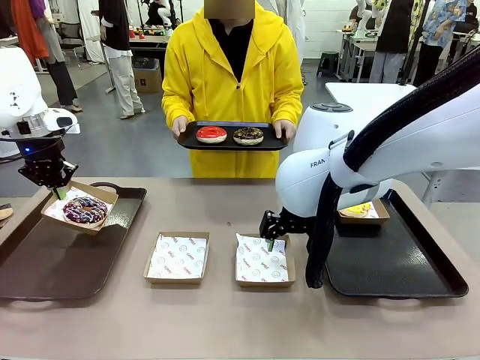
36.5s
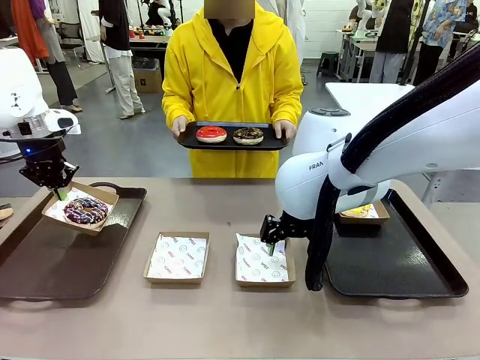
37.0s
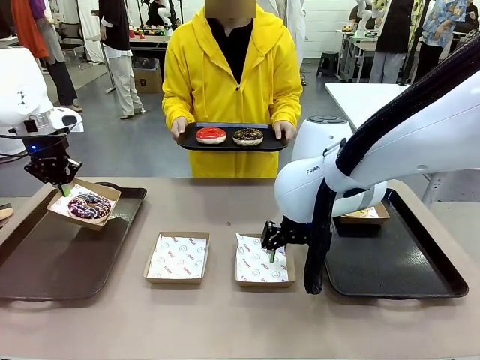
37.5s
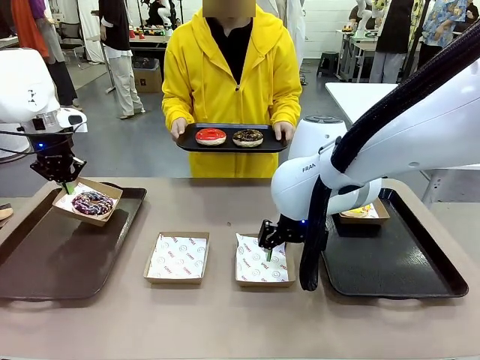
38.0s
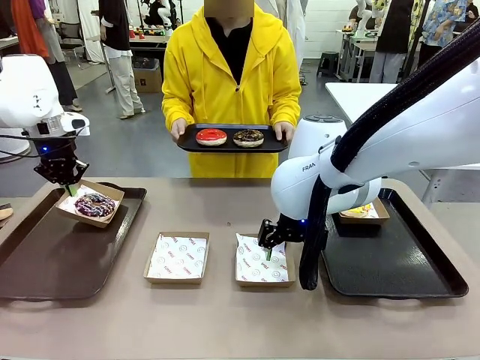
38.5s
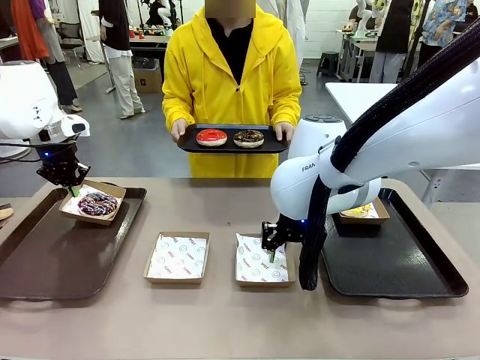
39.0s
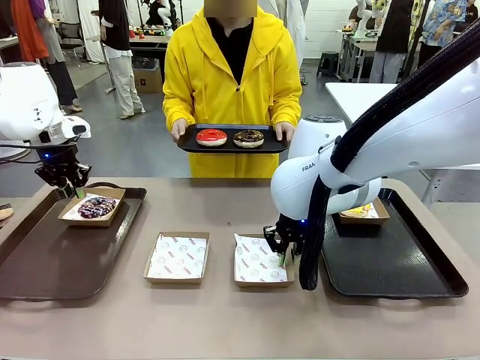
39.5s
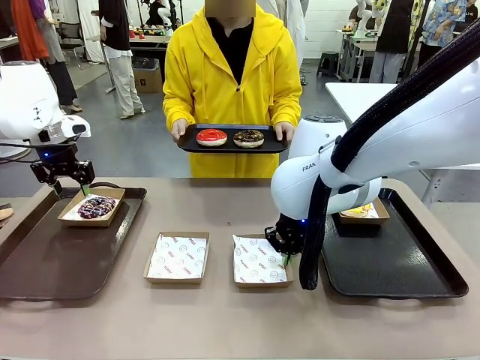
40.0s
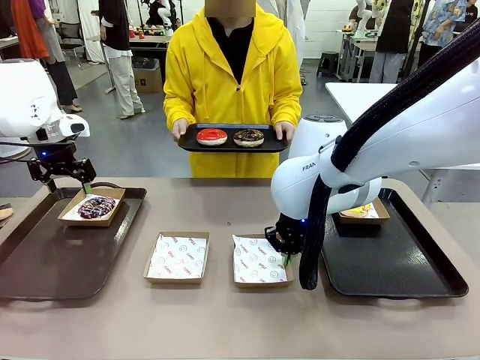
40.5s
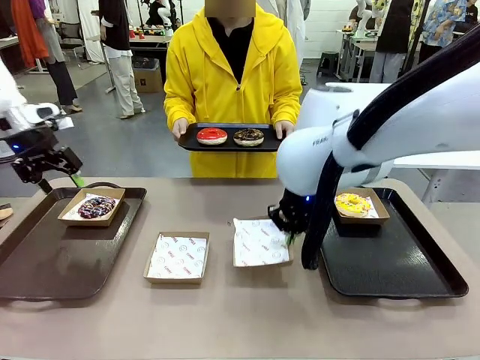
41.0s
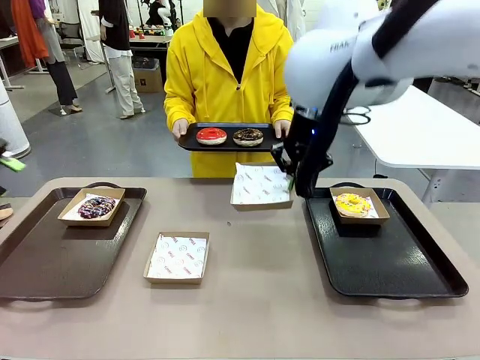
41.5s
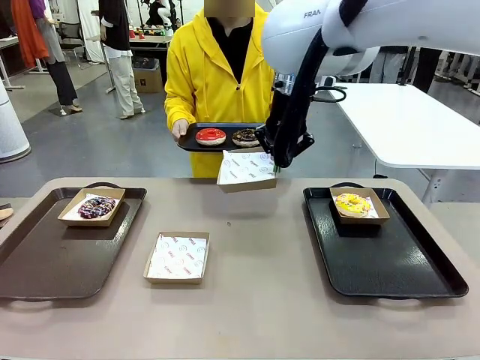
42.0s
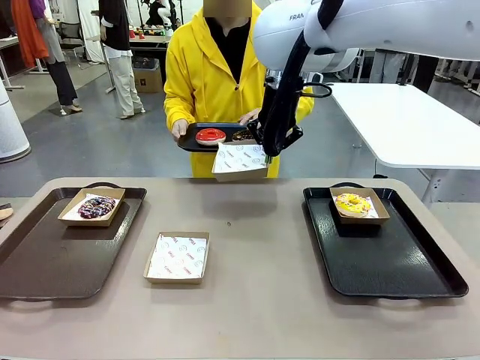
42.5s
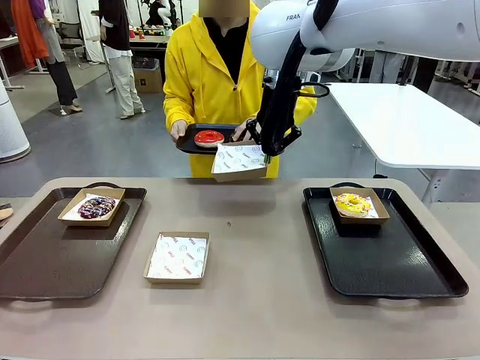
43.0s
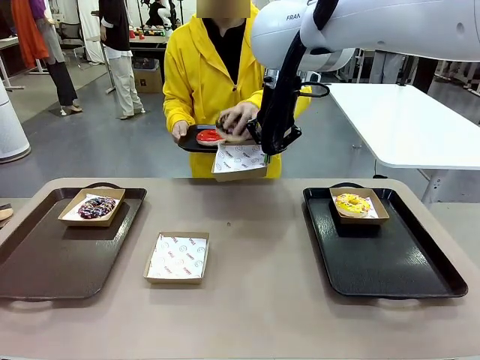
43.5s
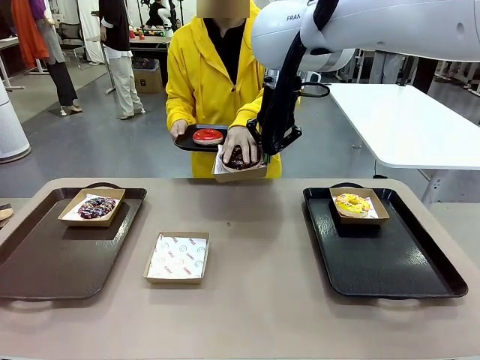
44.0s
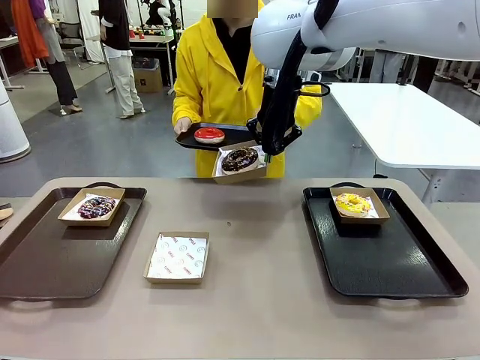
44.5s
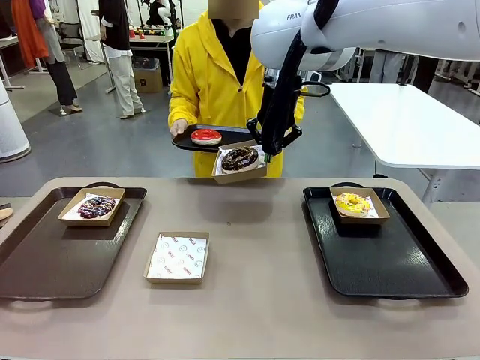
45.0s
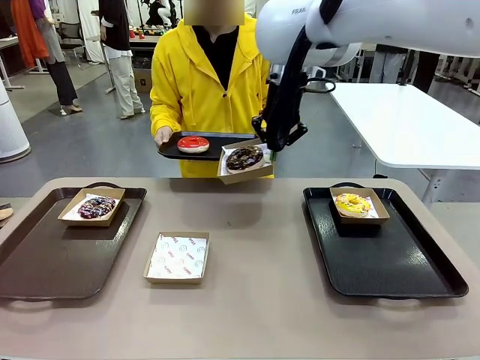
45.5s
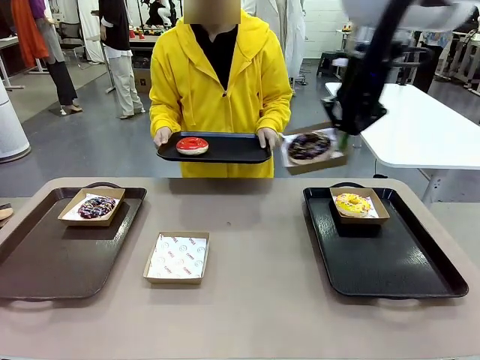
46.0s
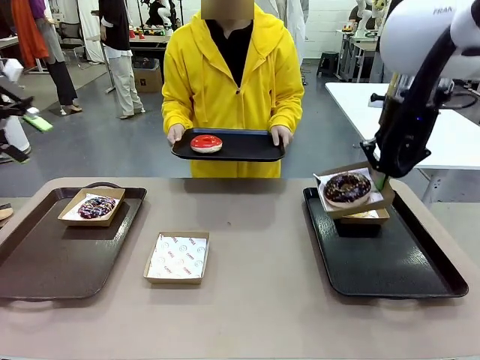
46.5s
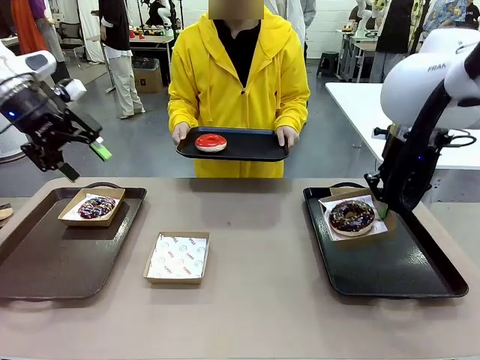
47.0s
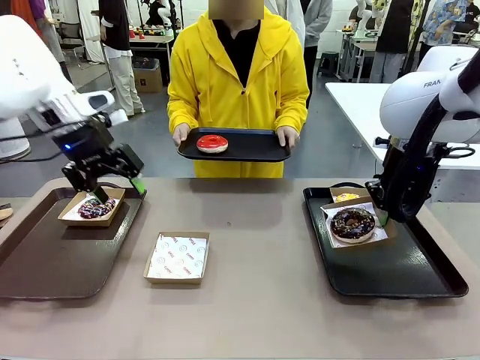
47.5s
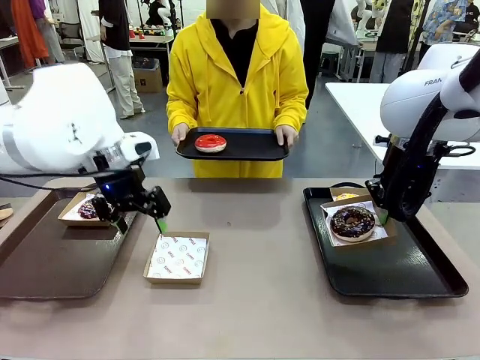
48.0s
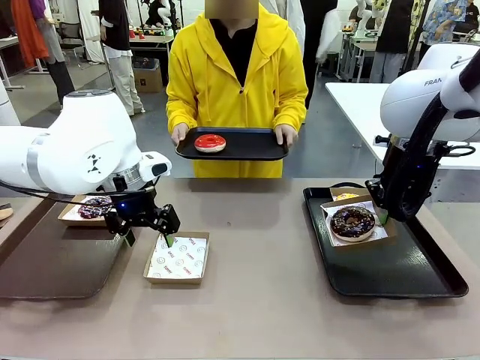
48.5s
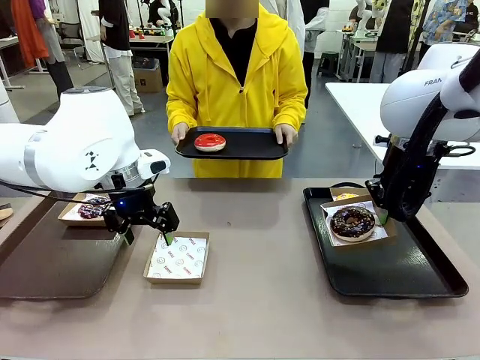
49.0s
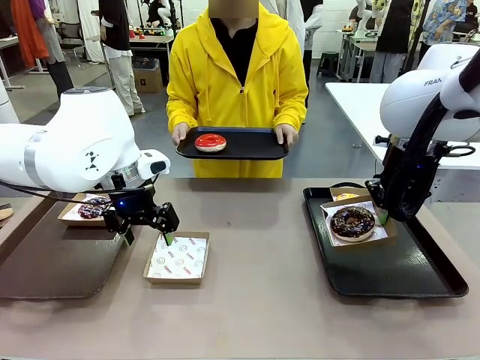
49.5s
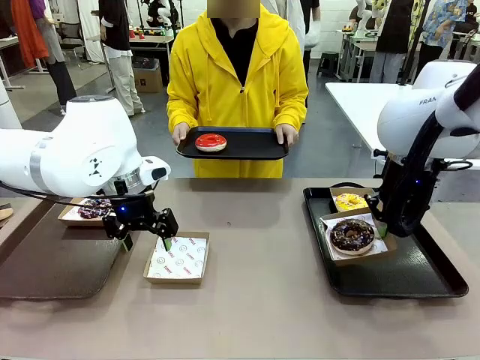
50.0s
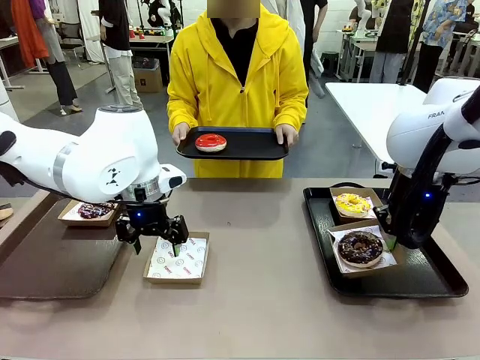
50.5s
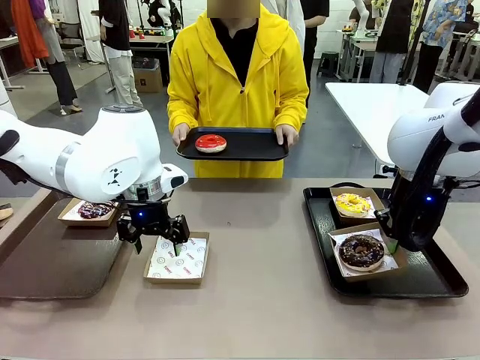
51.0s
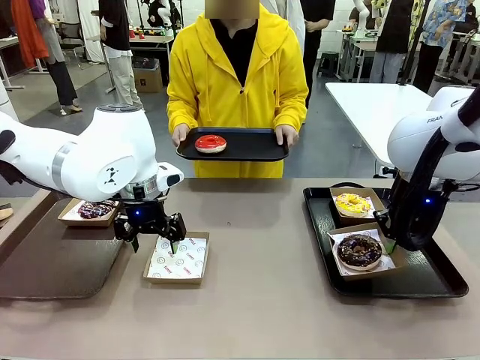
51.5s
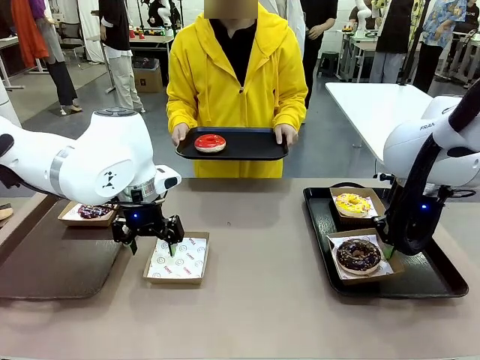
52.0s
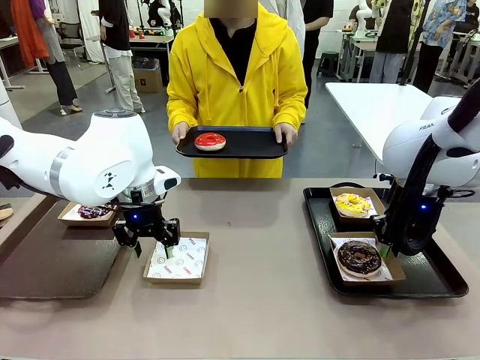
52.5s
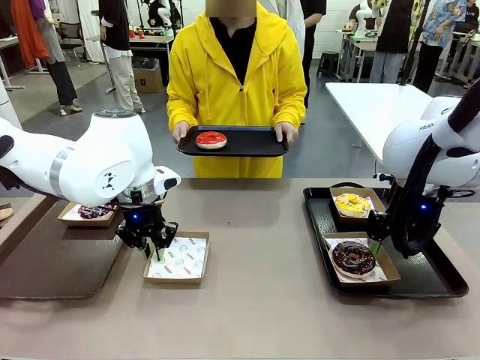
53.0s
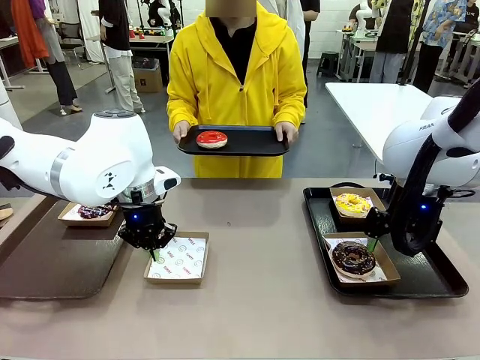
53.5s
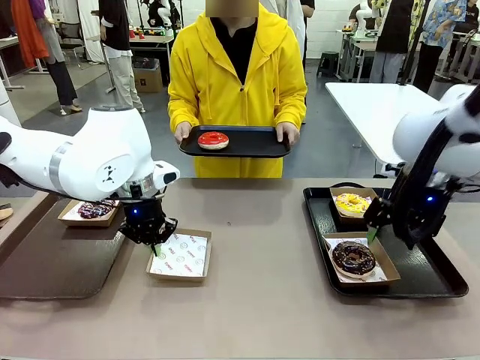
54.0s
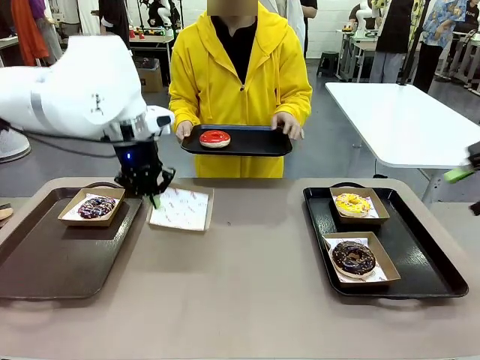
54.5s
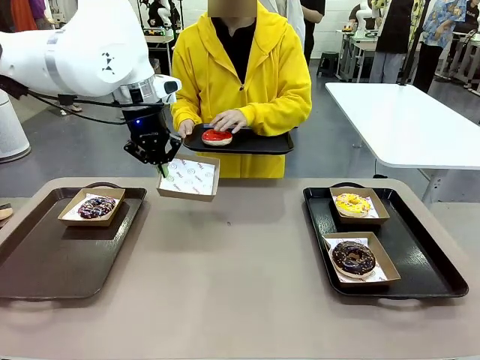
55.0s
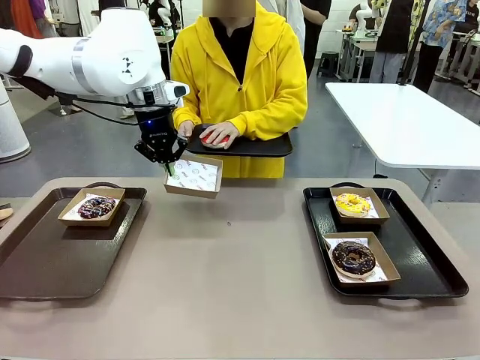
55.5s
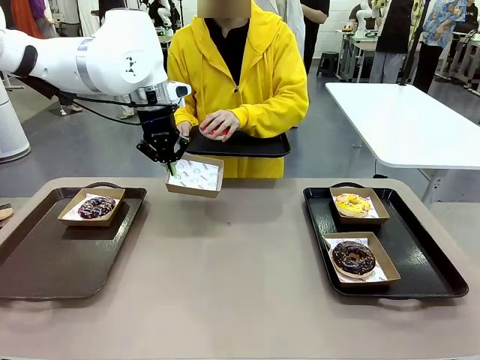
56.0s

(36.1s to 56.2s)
Task: Individually package the donuts and arrange them on the tray.
Robot: Place the picked Paper togo box on the Handle tray while simultaneously picking up another Paper togo box from the table with the other hand.

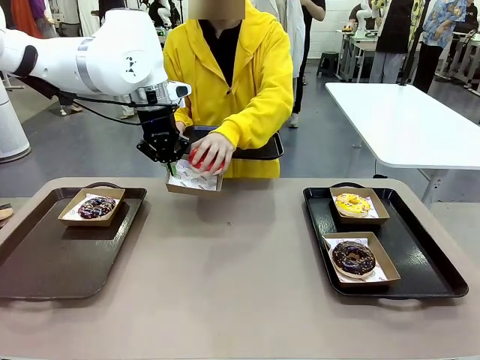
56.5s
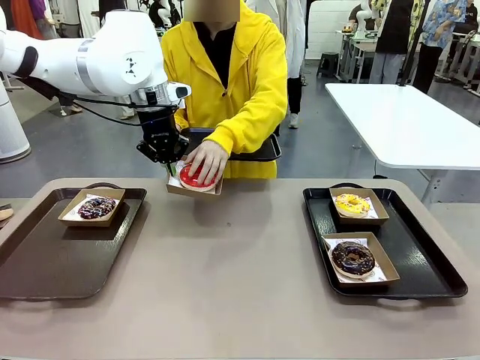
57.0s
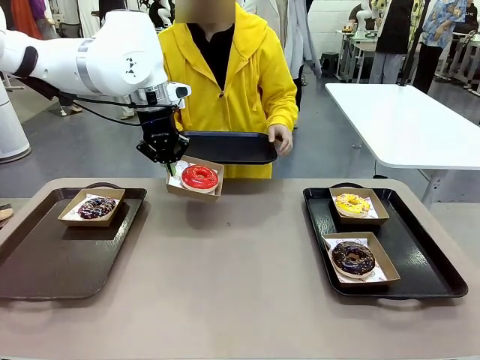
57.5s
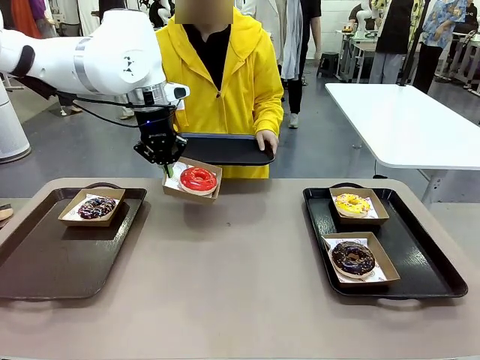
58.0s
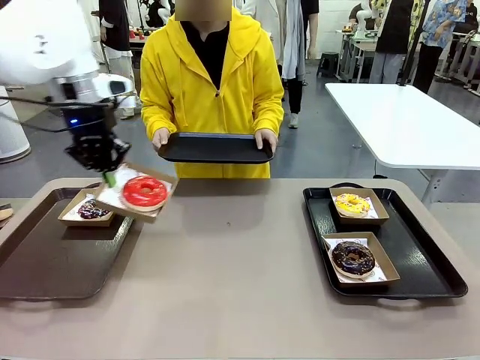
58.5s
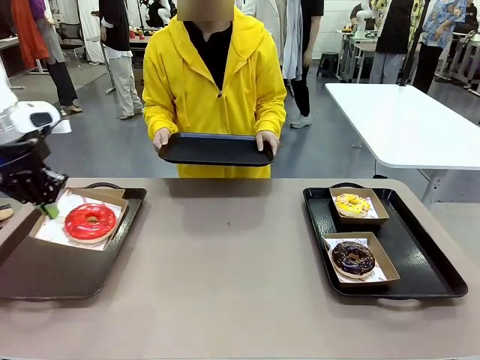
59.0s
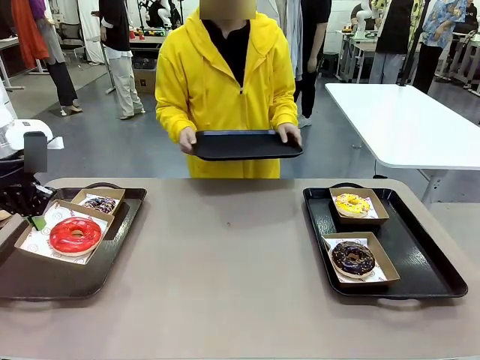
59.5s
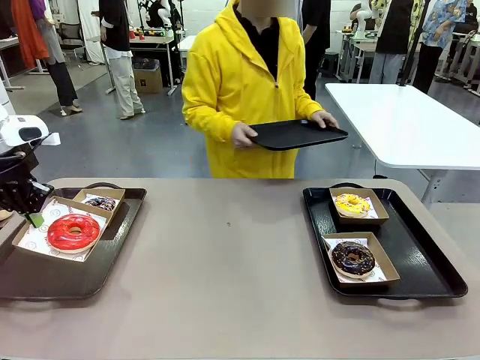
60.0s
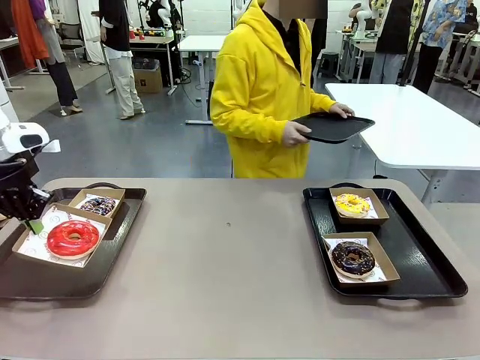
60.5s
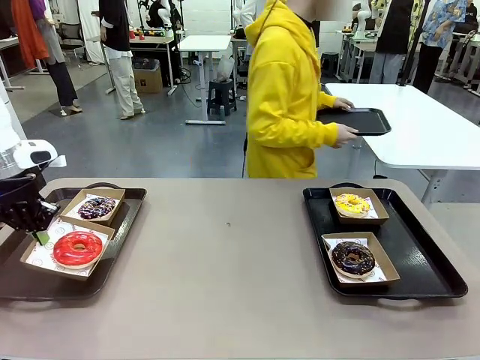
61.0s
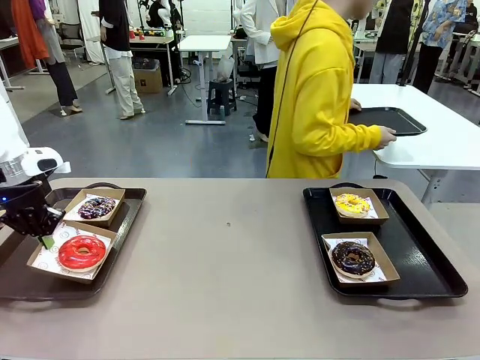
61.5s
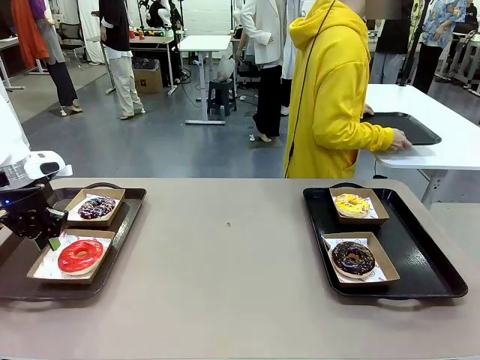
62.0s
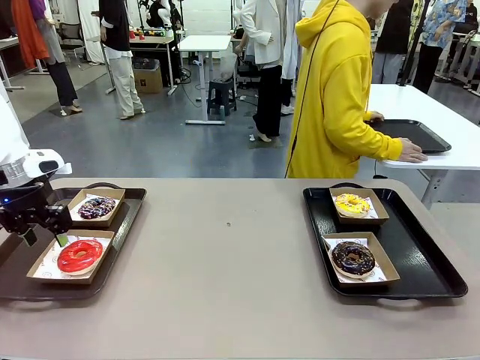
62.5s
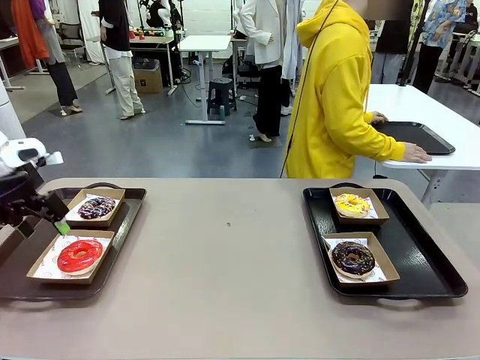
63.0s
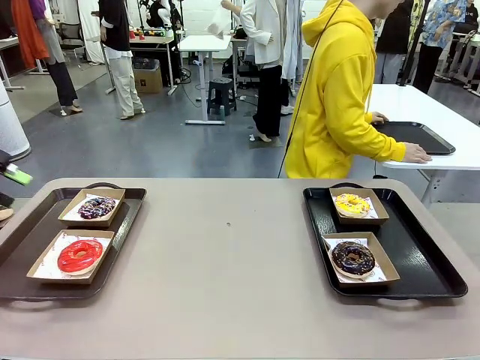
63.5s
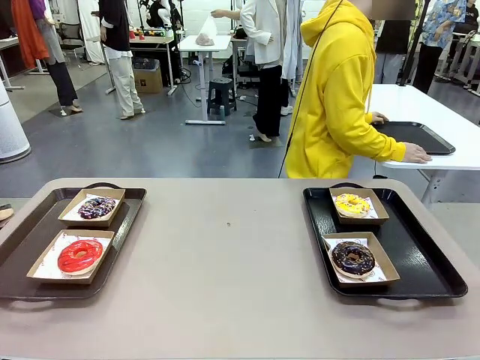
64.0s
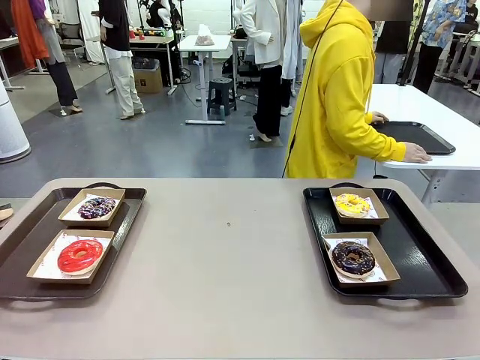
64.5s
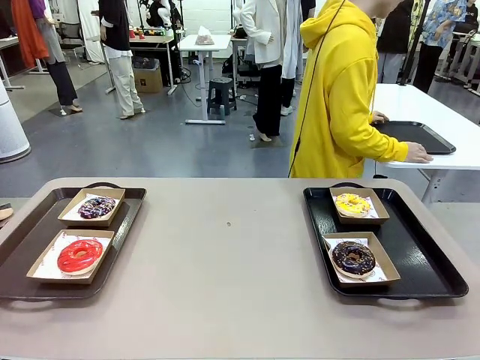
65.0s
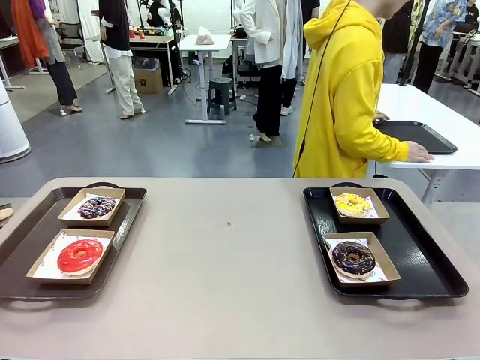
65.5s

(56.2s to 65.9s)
Robot: Place the picked Paper togo box on the Handle tray.
Person: Place the tray down in the middle of the human table.
